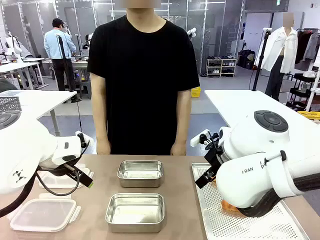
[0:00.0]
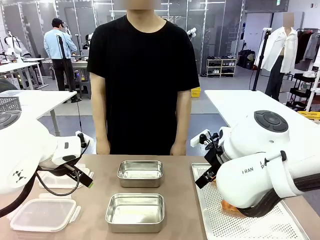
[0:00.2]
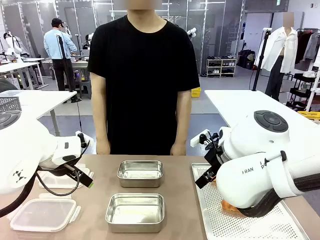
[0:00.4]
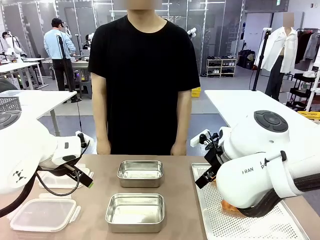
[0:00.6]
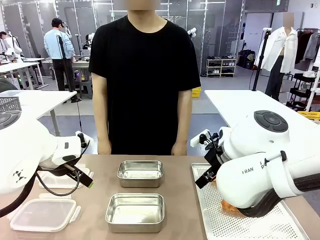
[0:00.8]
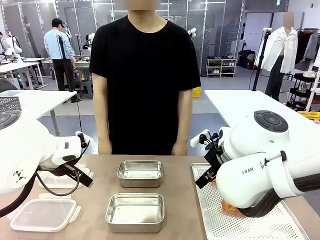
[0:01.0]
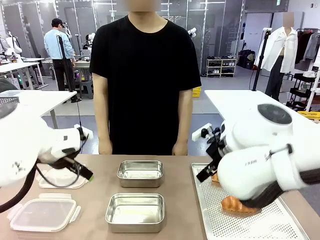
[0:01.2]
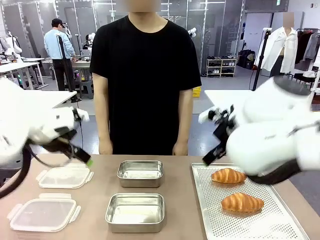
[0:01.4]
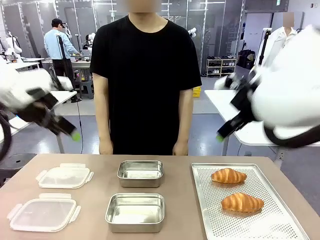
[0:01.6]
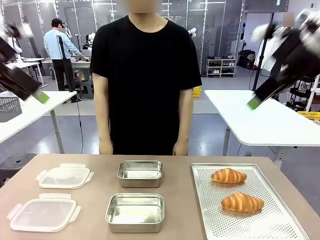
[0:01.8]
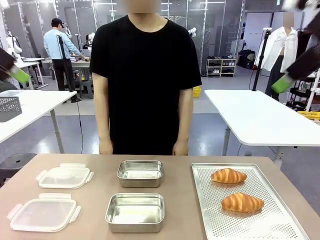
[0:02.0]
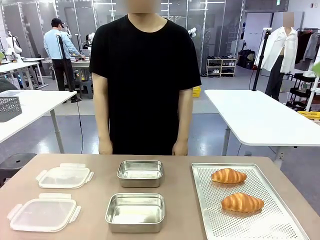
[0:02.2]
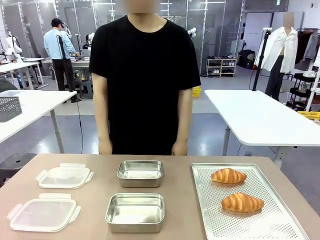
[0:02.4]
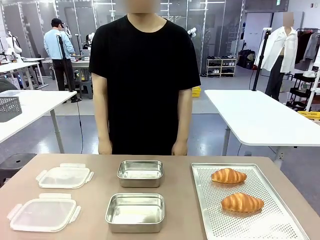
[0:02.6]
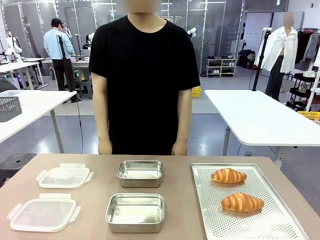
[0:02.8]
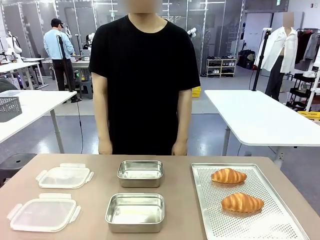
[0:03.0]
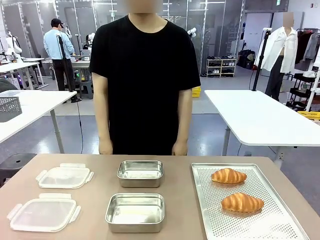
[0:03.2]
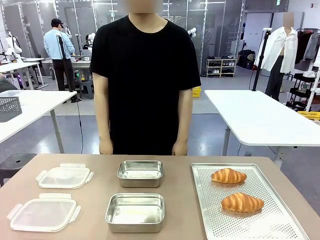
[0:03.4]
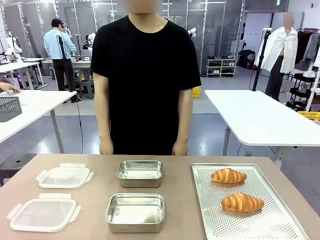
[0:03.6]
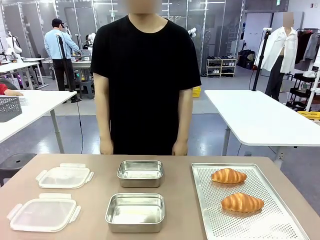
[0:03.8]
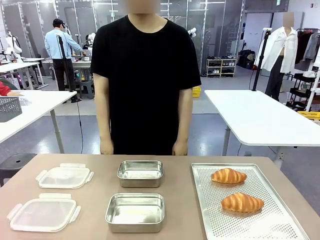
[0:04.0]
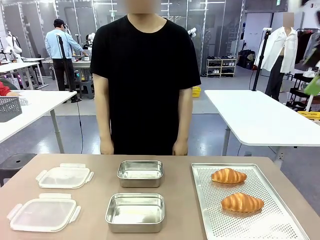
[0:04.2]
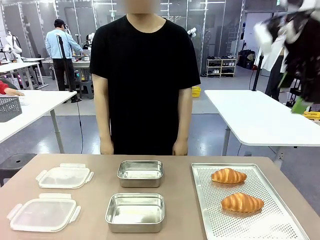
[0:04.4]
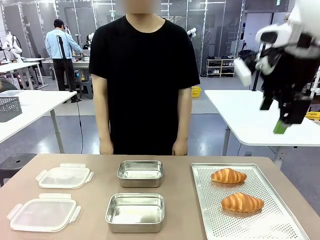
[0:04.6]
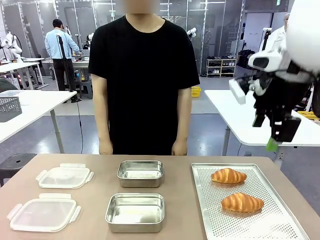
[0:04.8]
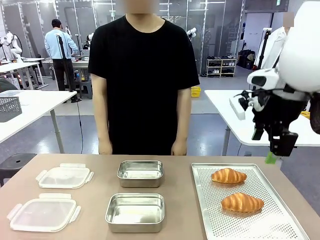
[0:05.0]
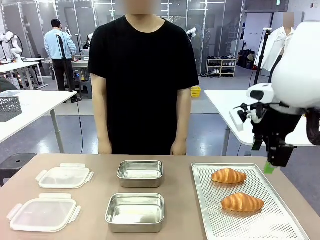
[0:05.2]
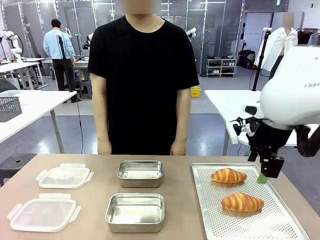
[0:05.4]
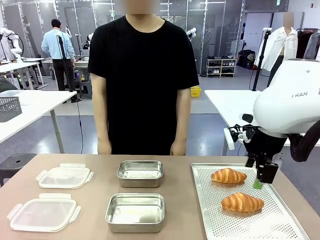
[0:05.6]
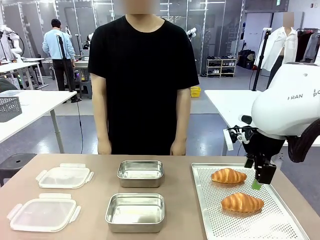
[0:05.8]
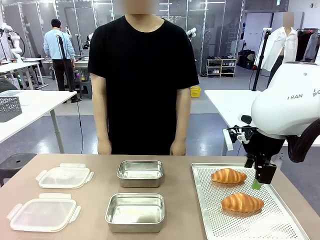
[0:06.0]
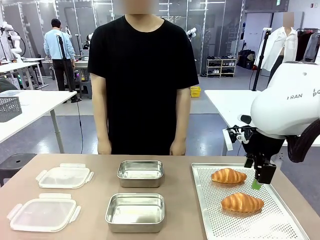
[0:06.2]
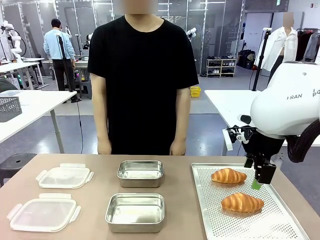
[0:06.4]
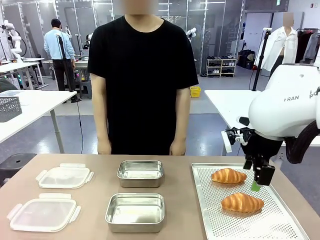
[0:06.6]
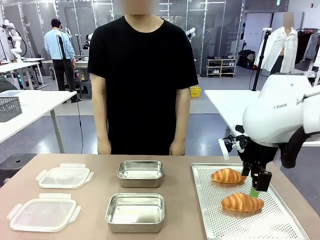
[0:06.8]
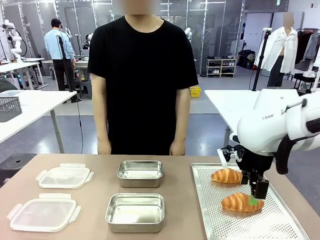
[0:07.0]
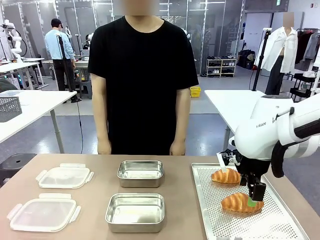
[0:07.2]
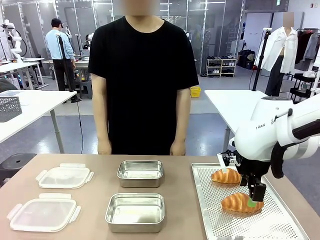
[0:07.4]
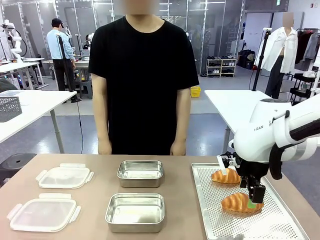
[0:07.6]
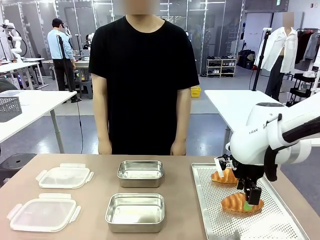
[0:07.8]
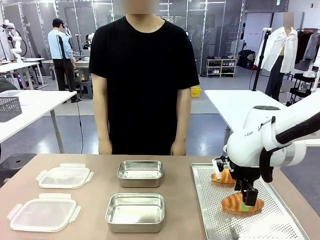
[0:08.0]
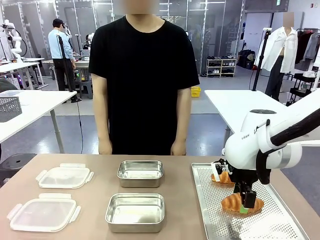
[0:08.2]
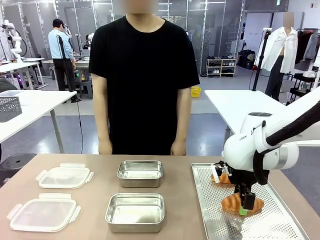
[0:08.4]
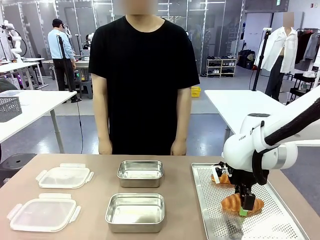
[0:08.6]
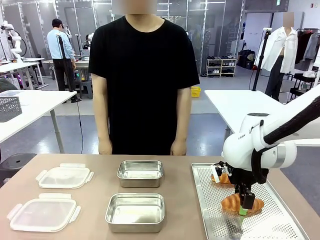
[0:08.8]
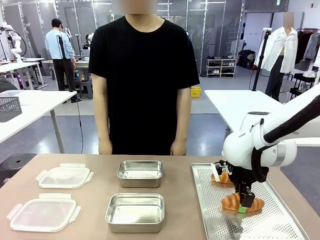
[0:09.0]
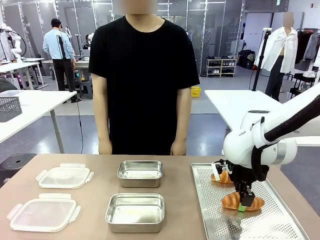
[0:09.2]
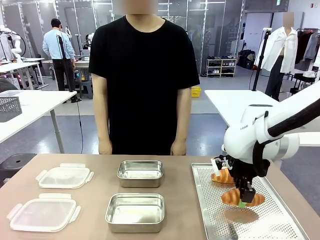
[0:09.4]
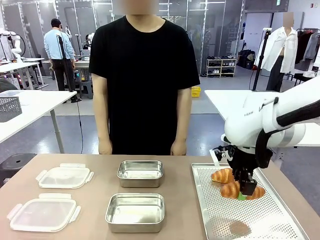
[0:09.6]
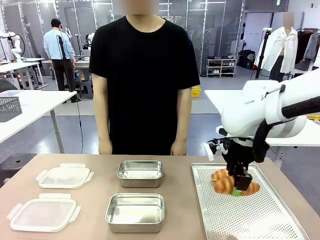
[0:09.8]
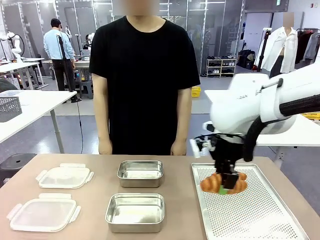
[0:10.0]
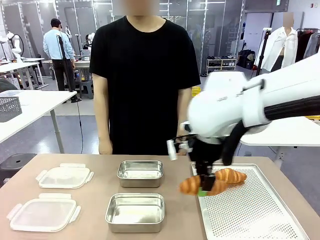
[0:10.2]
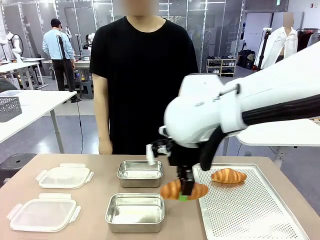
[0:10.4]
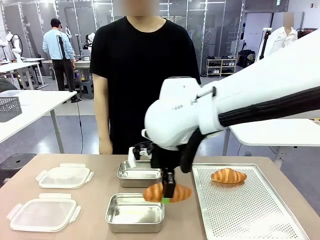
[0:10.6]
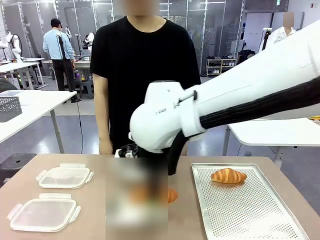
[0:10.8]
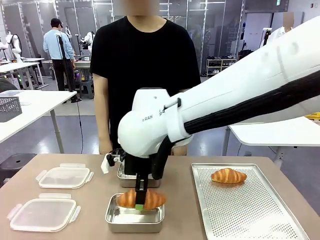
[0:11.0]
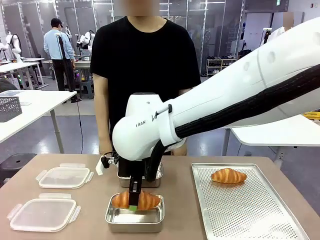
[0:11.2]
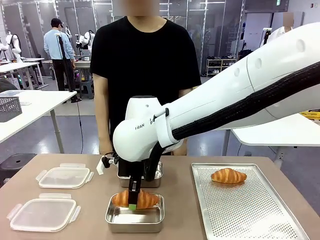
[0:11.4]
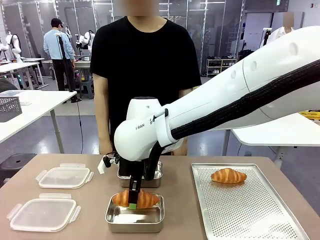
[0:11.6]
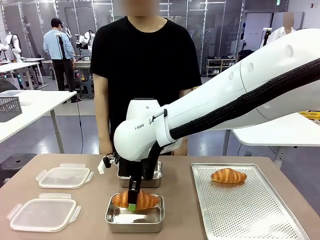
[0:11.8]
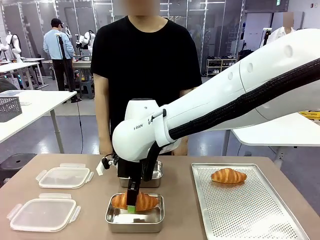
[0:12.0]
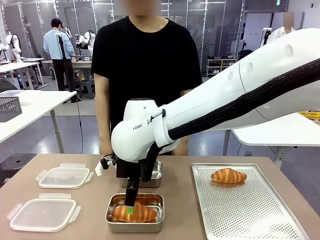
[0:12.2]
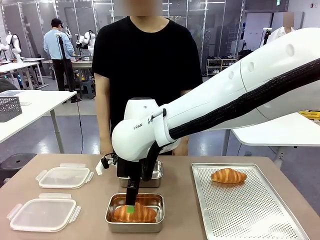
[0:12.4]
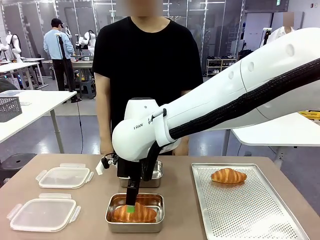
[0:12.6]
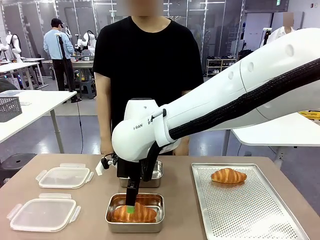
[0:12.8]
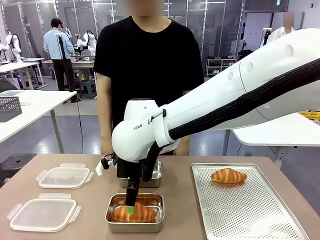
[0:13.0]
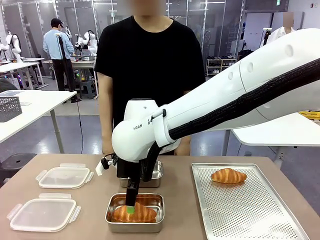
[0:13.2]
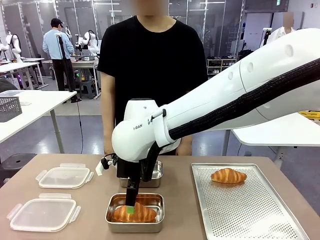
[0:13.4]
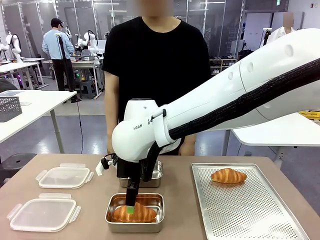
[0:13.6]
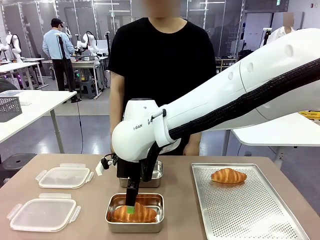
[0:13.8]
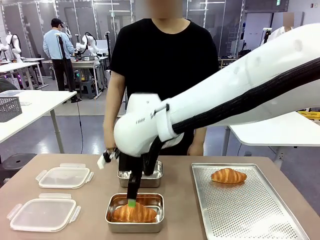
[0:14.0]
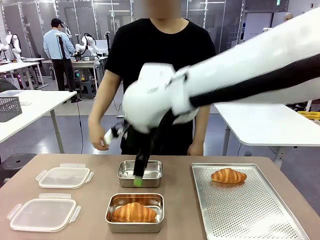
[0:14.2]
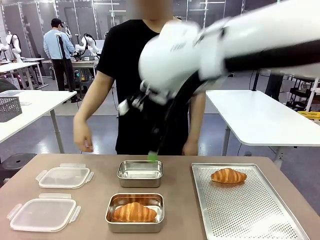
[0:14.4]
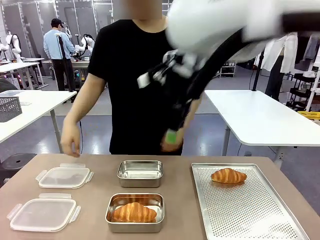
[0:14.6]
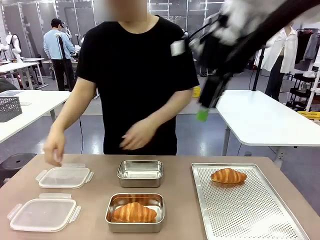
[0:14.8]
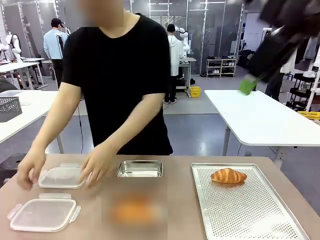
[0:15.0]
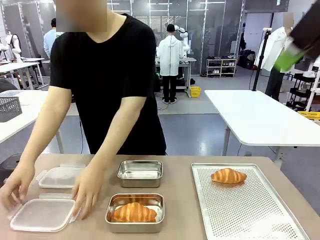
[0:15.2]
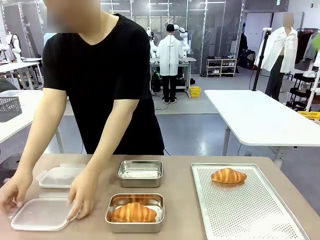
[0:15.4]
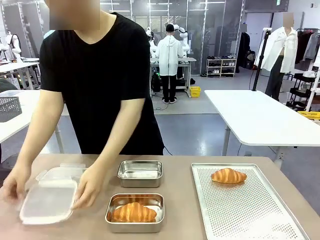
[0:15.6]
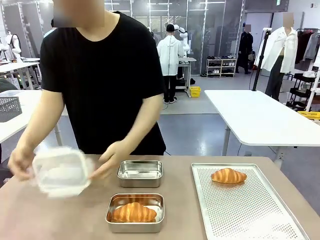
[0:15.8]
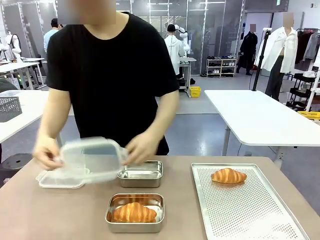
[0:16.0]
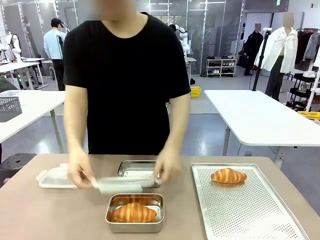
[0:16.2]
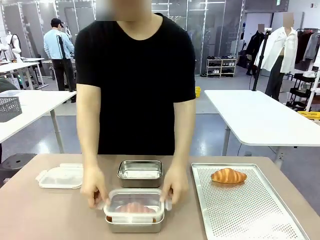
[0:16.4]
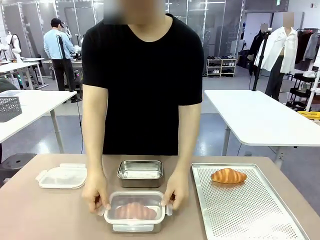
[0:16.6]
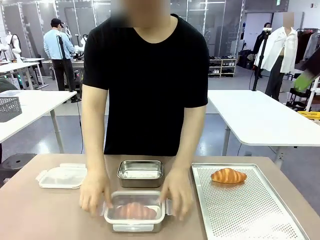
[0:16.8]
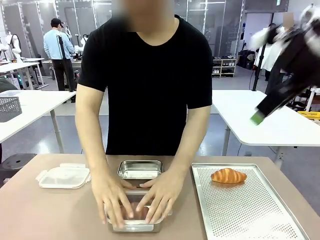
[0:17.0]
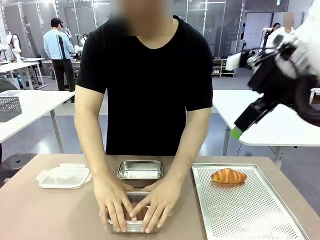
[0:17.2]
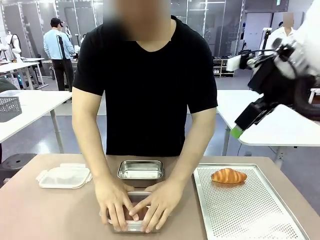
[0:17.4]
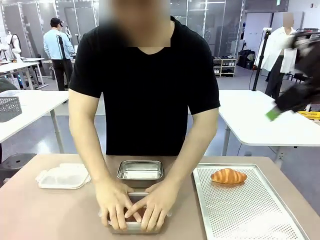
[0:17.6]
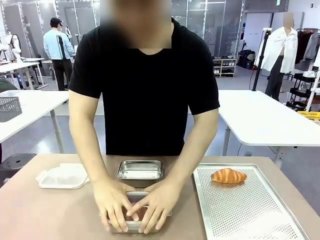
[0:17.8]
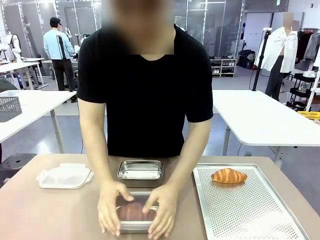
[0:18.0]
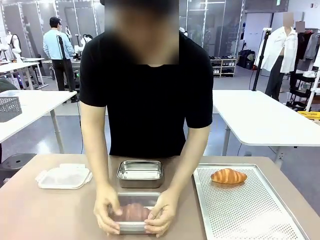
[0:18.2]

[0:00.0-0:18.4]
Task: Place the bread into the airtight container.
Robot: Pick up a Butter Roll and place it into an empty Airtight Container.
